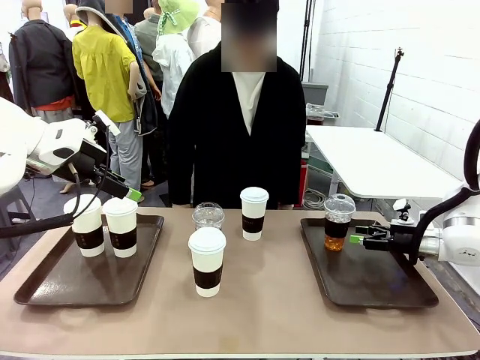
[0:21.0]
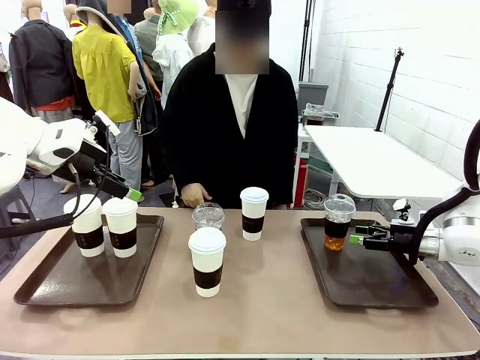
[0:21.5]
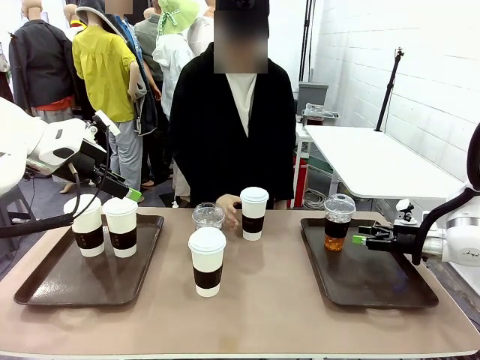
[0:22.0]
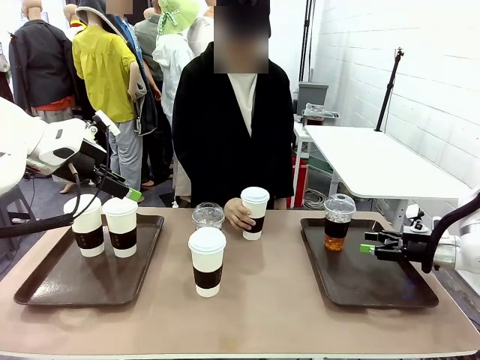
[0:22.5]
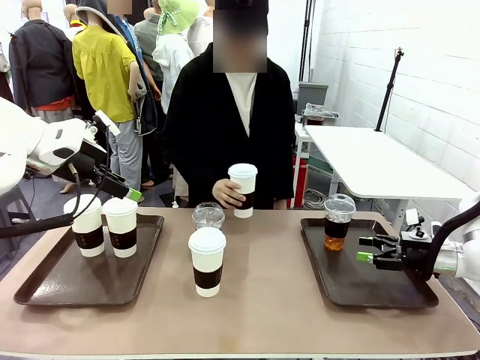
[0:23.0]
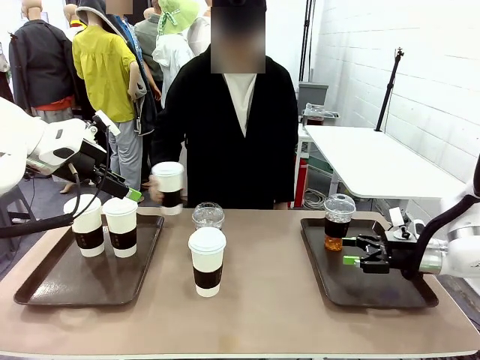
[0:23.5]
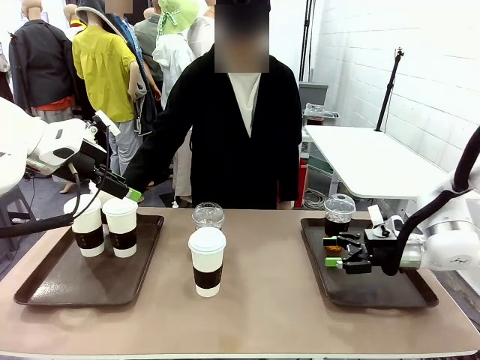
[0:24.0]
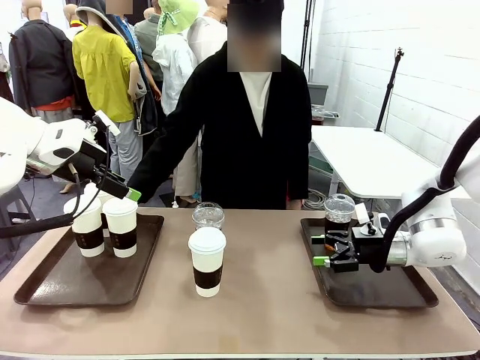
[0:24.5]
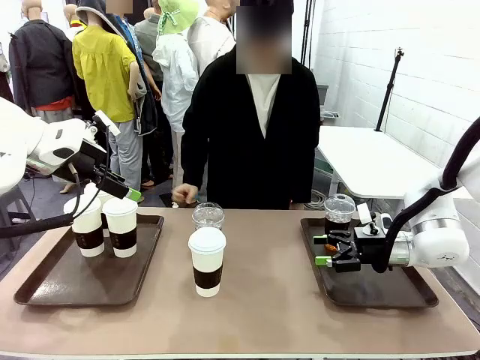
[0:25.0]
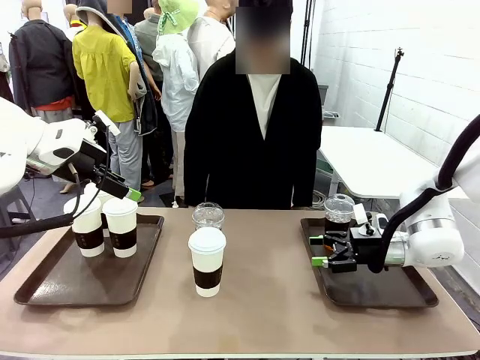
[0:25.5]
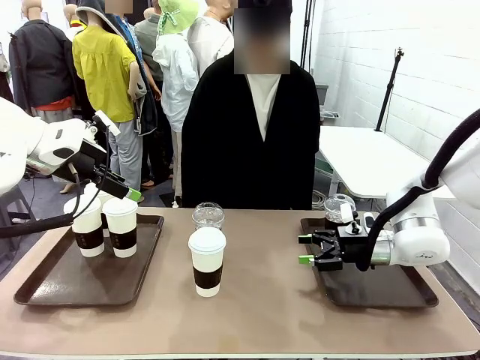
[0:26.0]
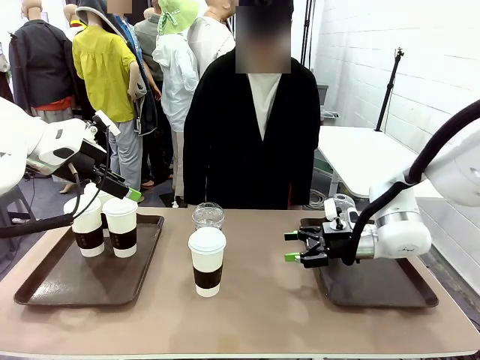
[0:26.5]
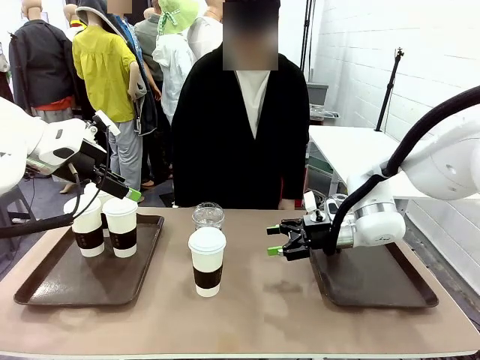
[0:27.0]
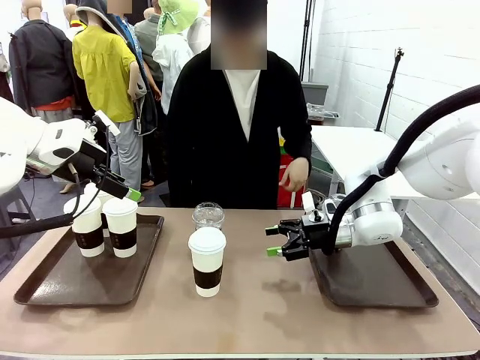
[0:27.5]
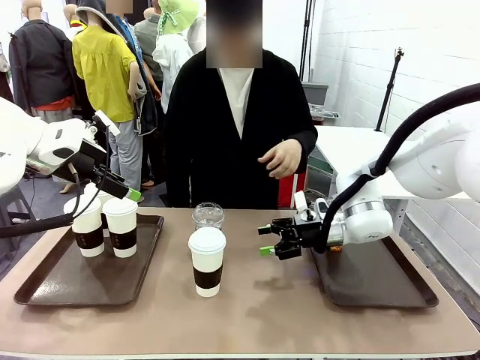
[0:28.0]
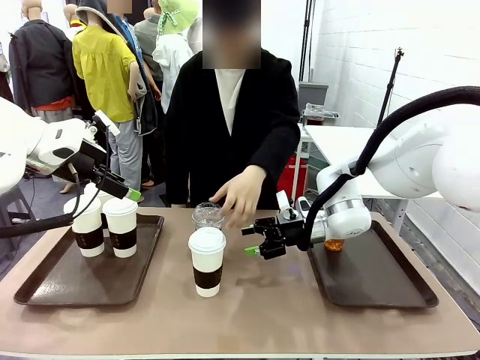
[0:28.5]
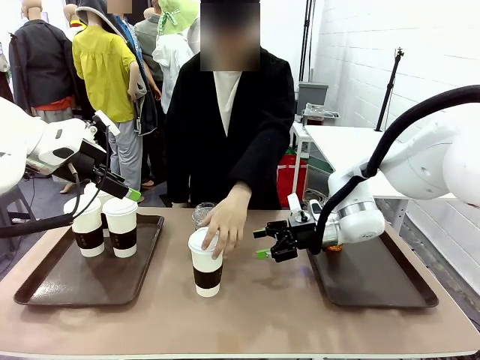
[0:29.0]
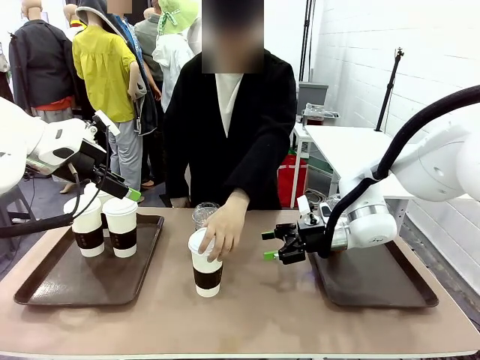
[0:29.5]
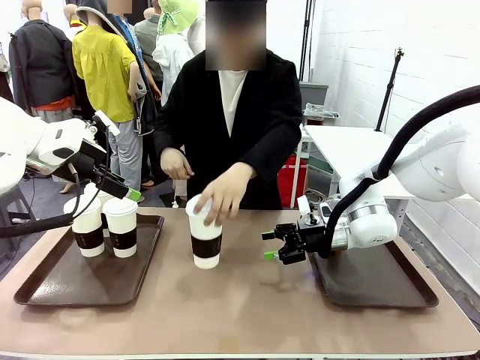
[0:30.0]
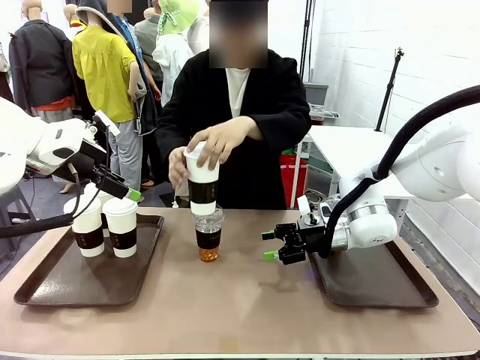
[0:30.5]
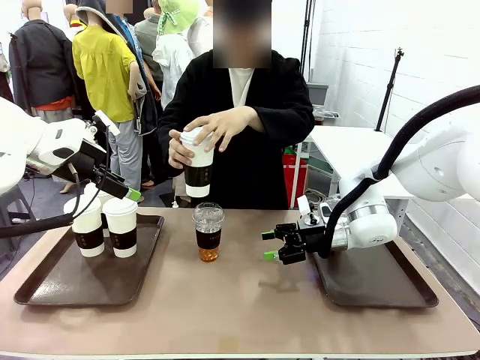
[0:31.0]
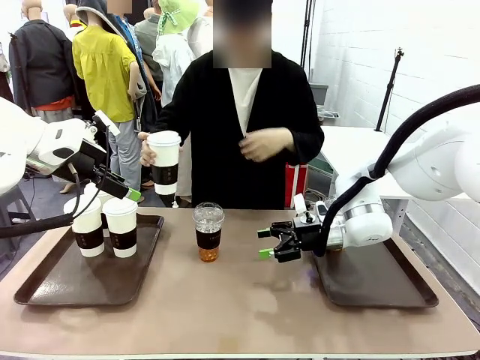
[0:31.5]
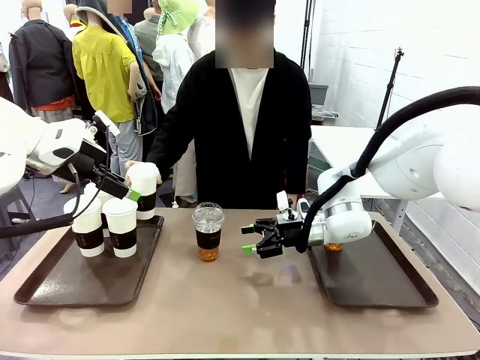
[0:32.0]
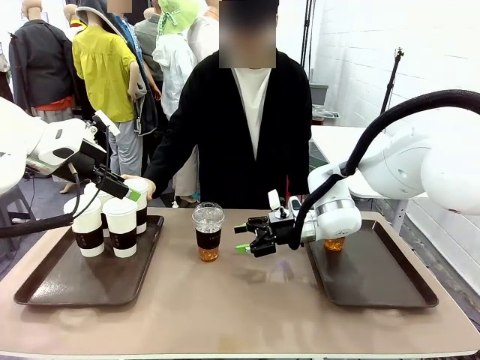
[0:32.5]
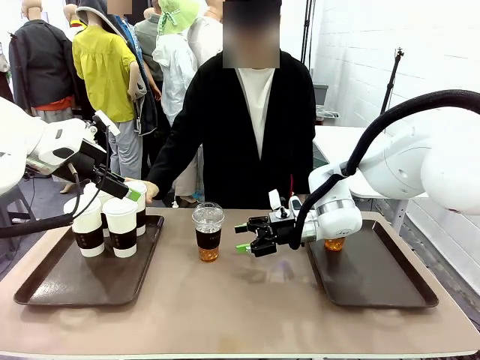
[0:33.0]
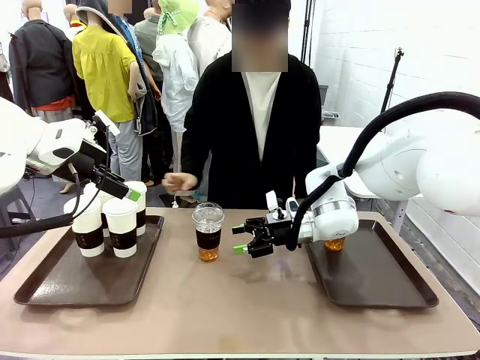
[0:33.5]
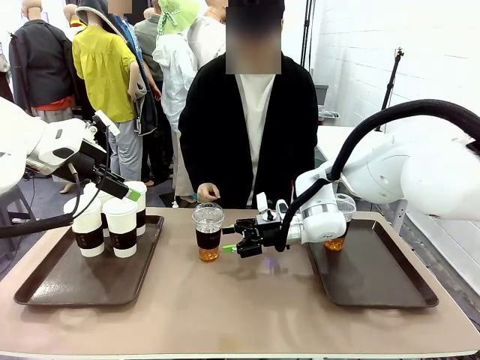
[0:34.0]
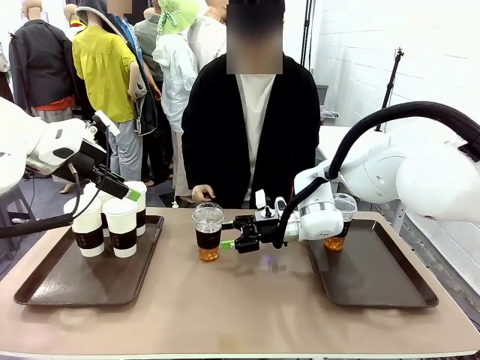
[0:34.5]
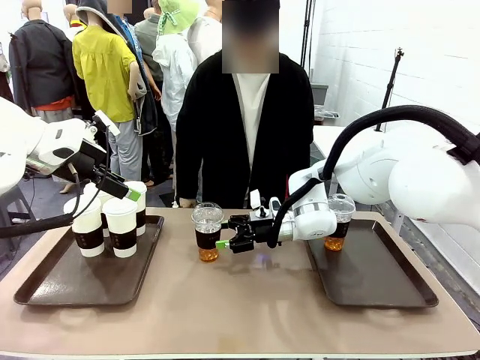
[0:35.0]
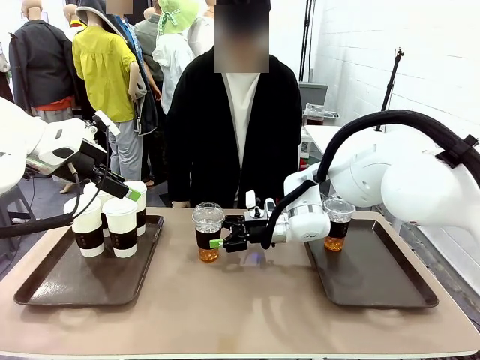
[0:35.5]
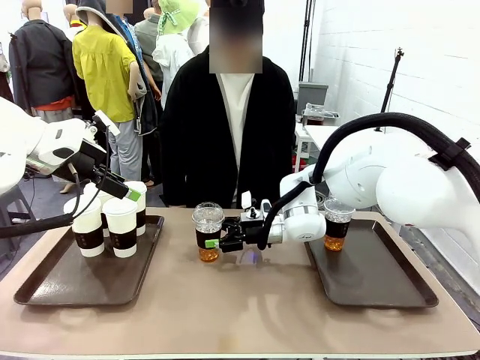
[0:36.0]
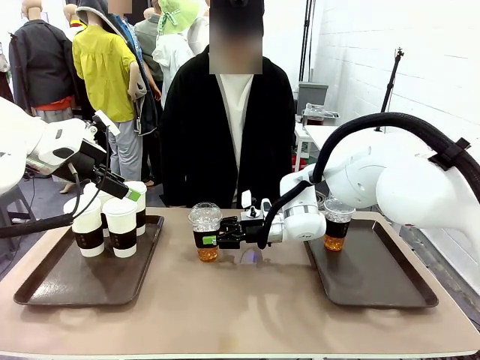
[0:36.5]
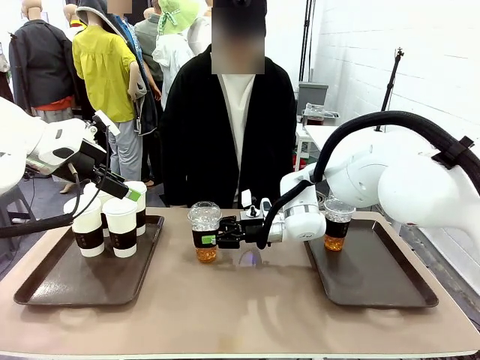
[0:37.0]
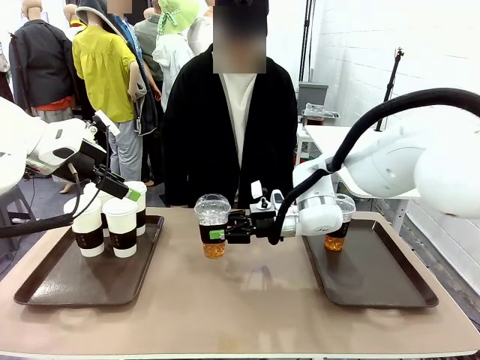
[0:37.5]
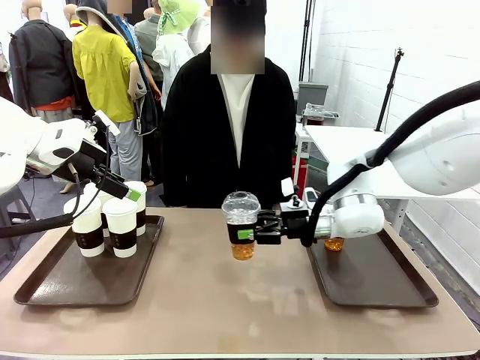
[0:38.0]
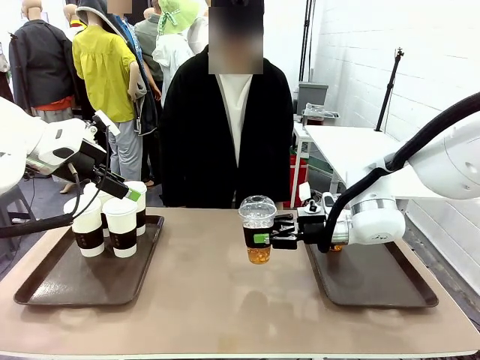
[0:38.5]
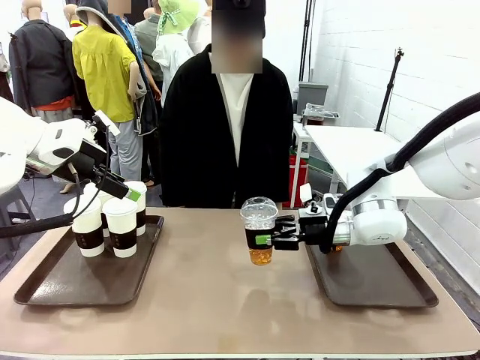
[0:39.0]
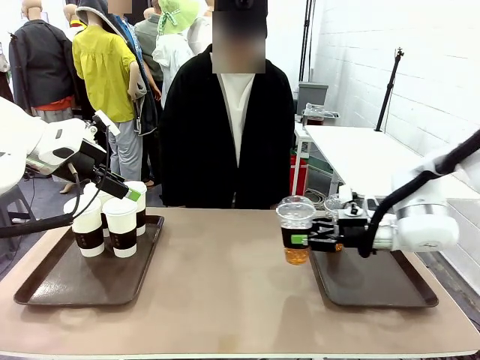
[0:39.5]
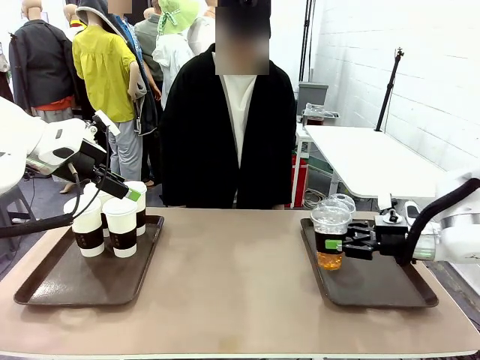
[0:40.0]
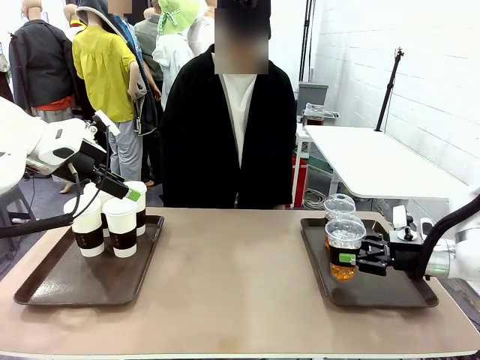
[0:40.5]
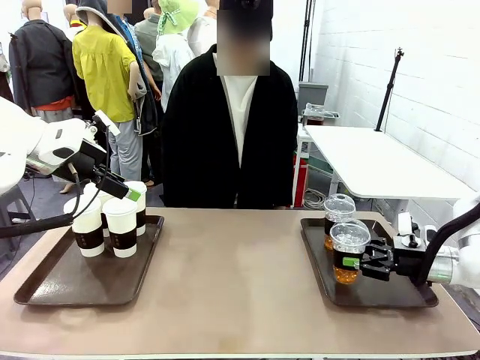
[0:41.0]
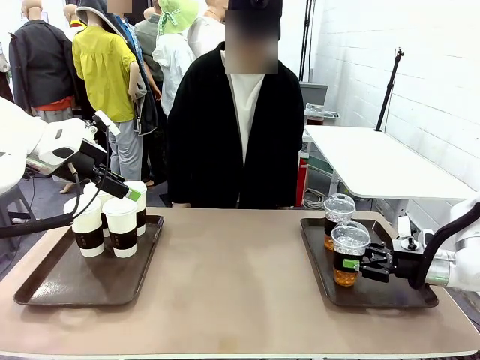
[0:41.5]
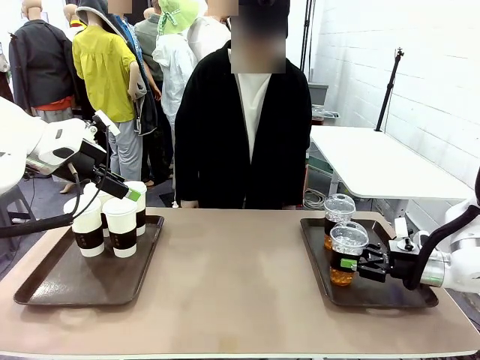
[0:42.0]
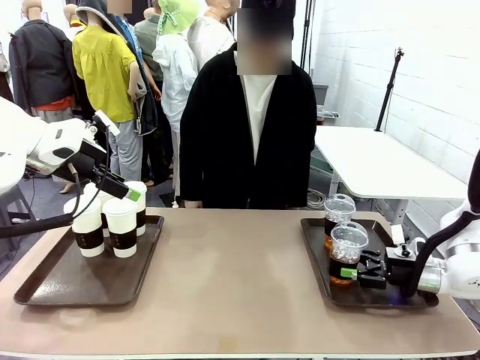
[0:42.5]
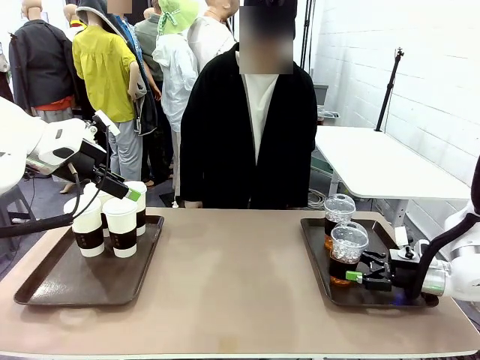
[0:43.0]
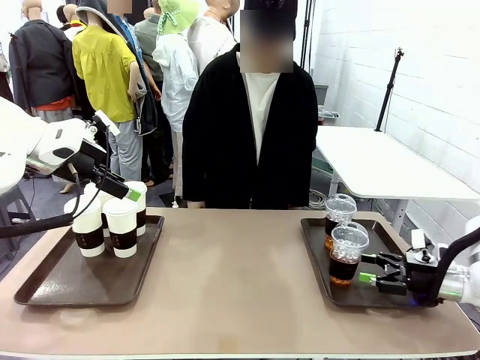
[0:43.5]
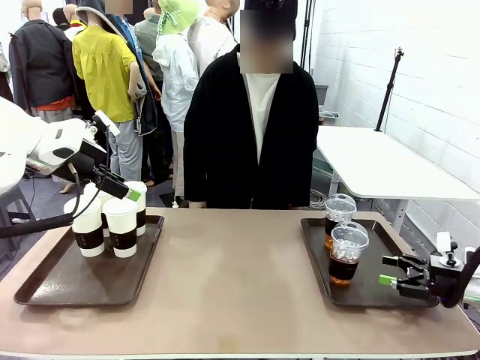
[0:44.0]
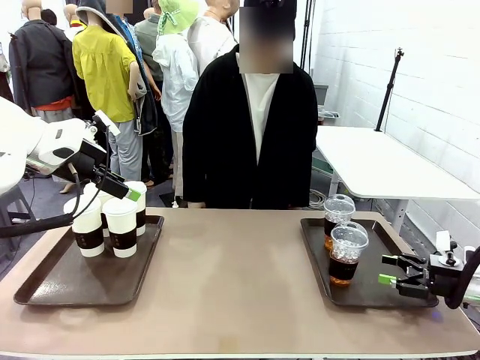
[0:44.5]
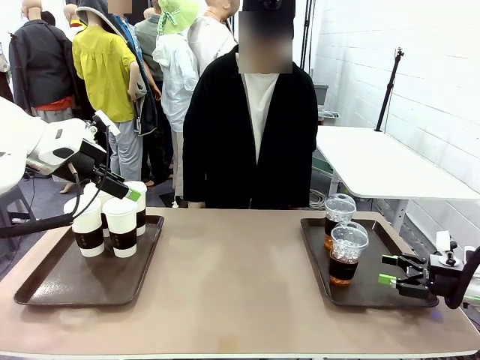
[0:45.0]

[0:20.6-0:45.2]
Task: Distribute the coffee onto the tray.
Robot: Pick up another iced Americano from the middle of the table and place it on the right Handle tray.
Person: Pick up a cup of hot Americano from the middle of the table and place it on the right tray.
